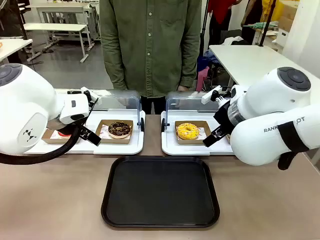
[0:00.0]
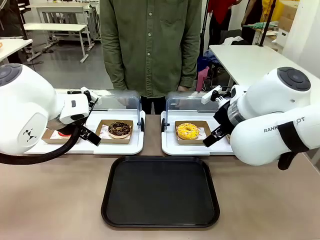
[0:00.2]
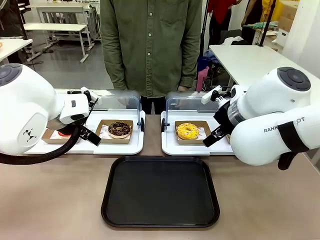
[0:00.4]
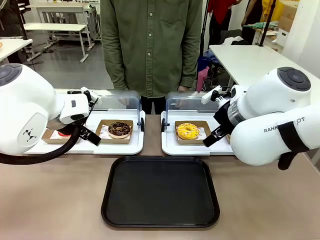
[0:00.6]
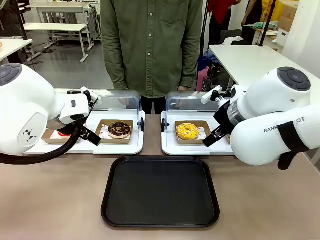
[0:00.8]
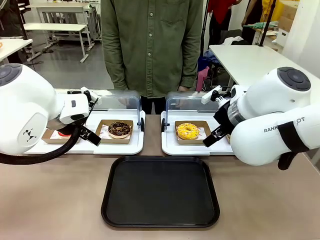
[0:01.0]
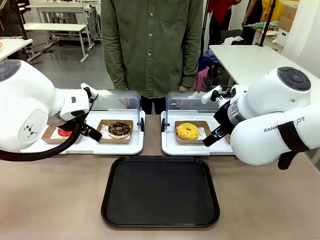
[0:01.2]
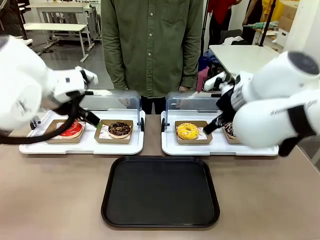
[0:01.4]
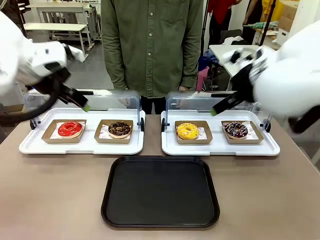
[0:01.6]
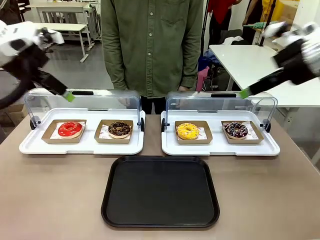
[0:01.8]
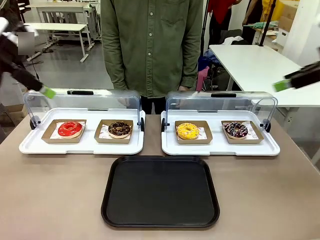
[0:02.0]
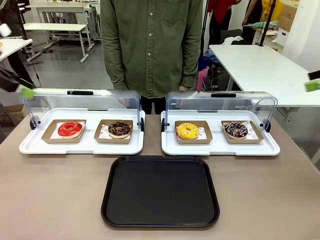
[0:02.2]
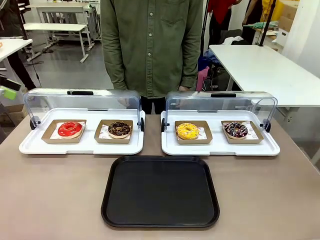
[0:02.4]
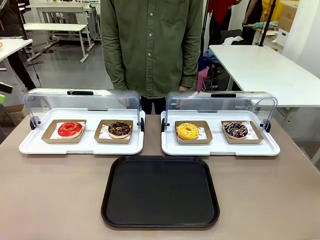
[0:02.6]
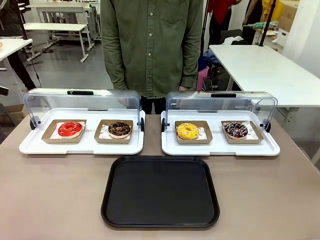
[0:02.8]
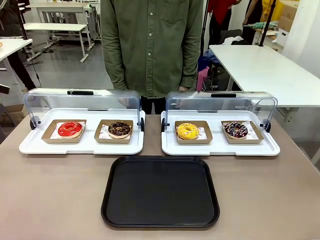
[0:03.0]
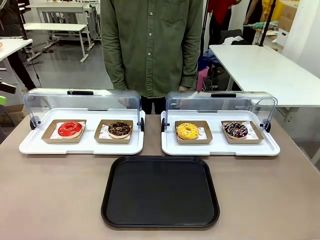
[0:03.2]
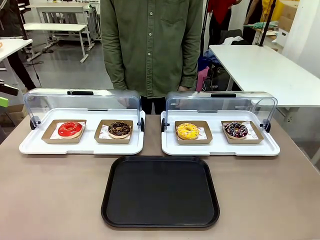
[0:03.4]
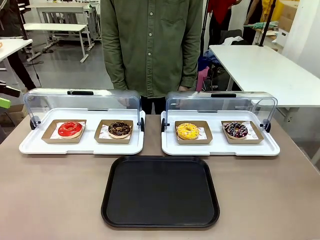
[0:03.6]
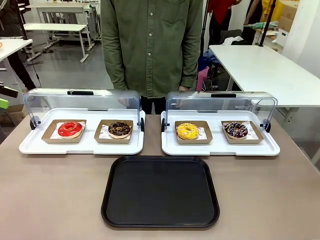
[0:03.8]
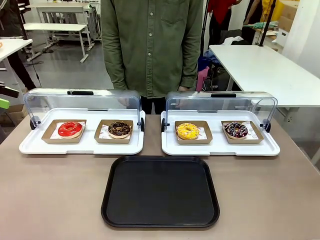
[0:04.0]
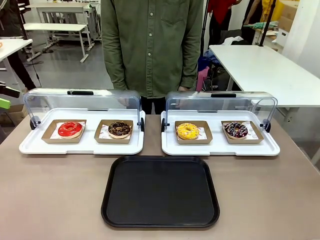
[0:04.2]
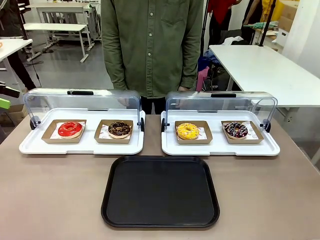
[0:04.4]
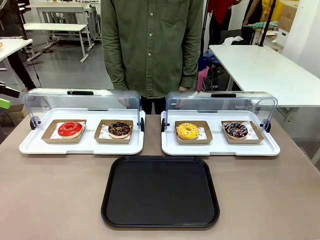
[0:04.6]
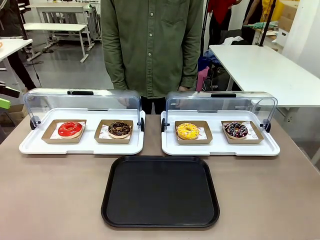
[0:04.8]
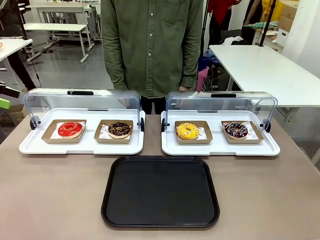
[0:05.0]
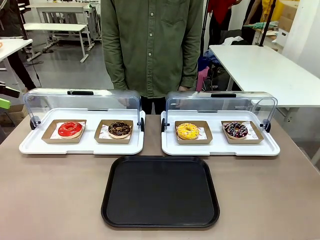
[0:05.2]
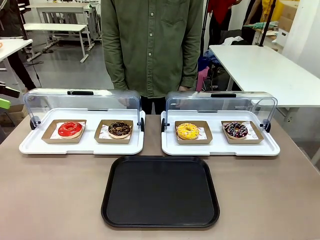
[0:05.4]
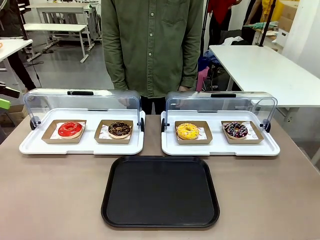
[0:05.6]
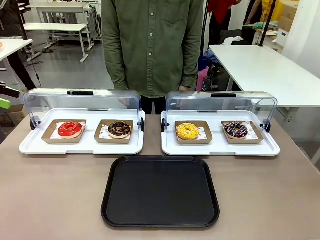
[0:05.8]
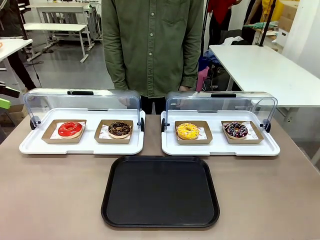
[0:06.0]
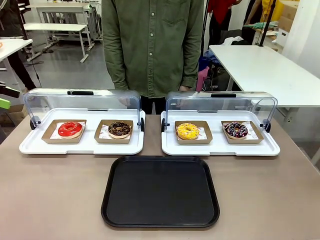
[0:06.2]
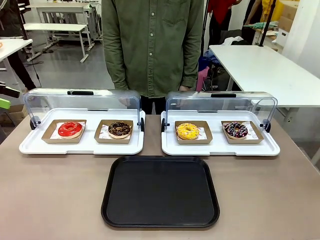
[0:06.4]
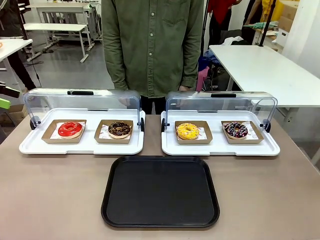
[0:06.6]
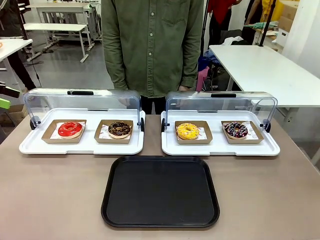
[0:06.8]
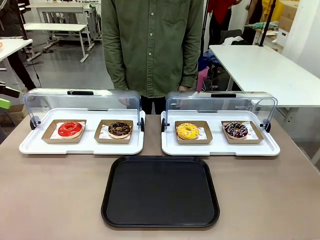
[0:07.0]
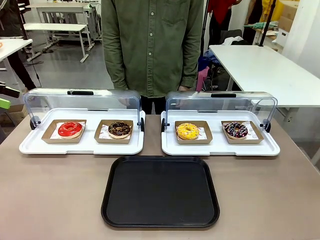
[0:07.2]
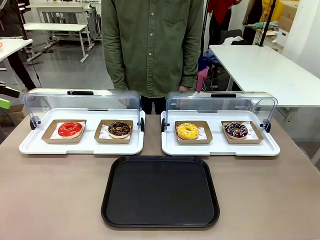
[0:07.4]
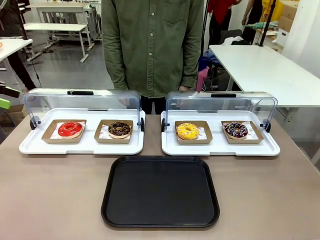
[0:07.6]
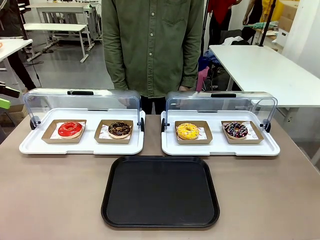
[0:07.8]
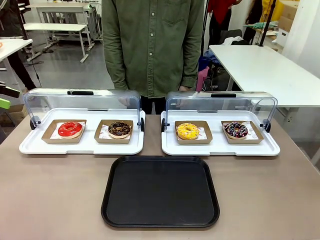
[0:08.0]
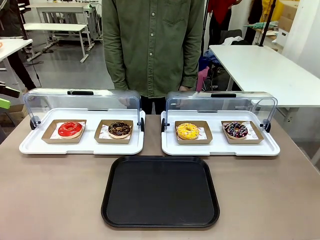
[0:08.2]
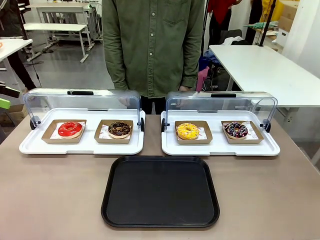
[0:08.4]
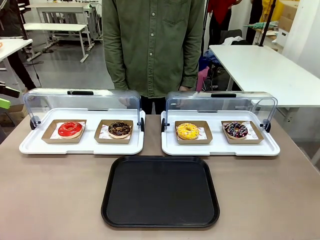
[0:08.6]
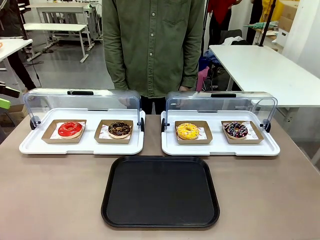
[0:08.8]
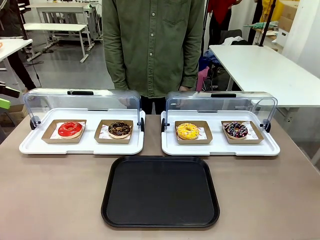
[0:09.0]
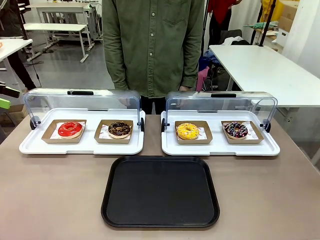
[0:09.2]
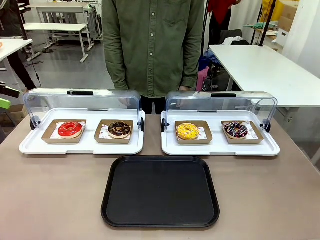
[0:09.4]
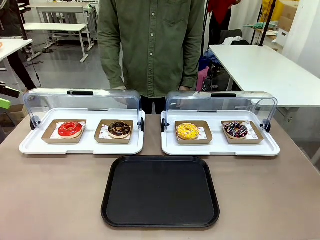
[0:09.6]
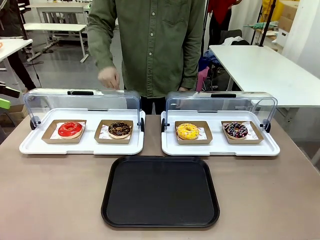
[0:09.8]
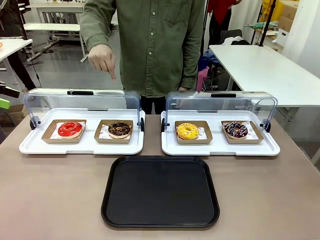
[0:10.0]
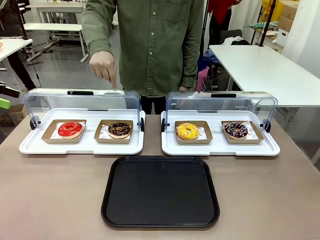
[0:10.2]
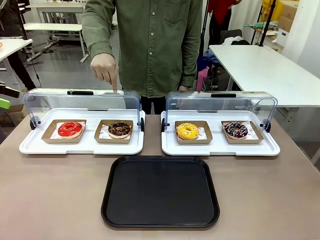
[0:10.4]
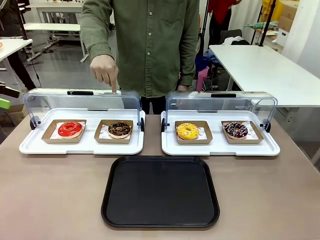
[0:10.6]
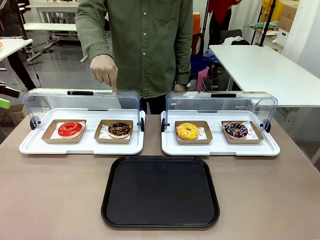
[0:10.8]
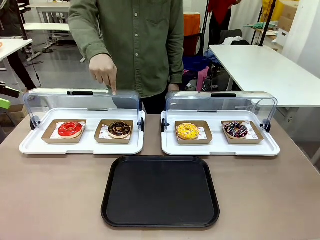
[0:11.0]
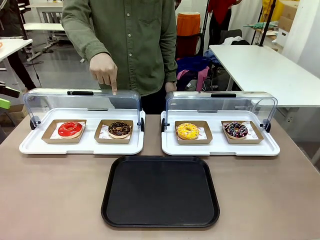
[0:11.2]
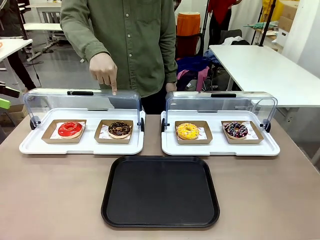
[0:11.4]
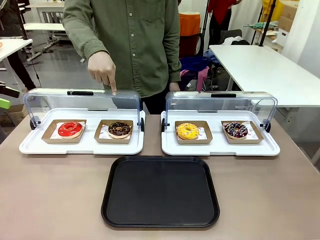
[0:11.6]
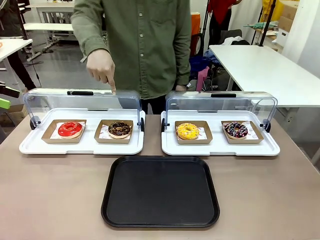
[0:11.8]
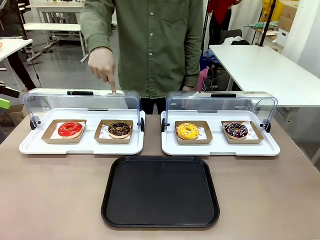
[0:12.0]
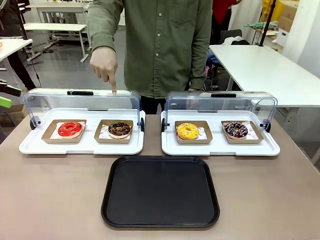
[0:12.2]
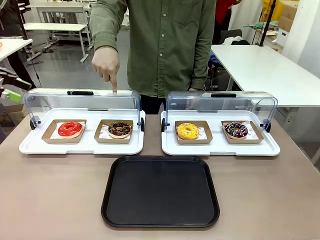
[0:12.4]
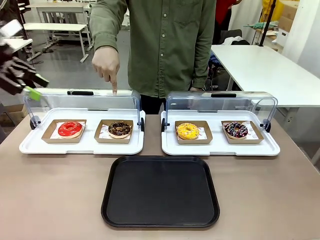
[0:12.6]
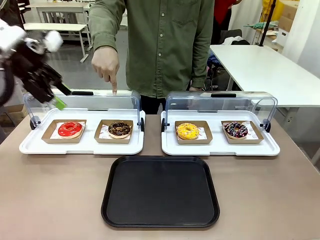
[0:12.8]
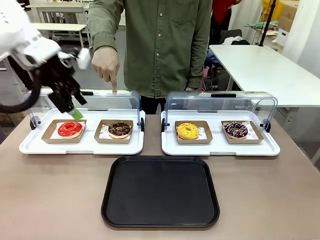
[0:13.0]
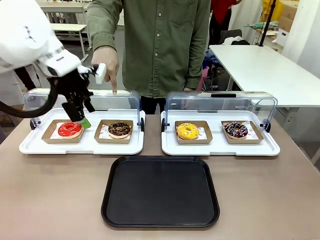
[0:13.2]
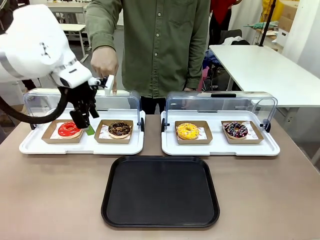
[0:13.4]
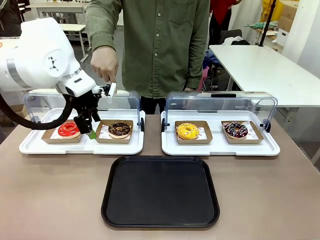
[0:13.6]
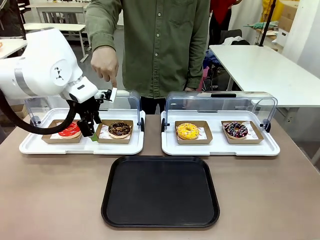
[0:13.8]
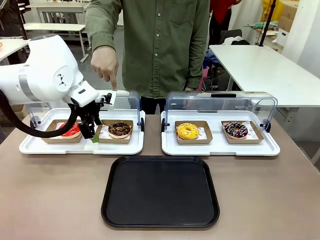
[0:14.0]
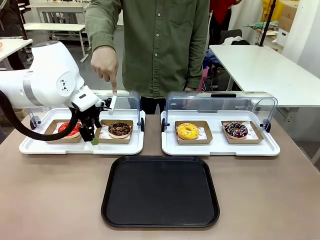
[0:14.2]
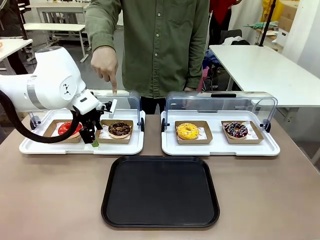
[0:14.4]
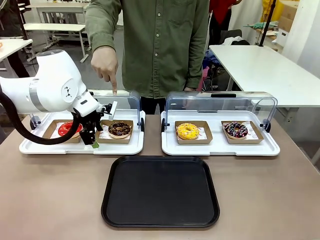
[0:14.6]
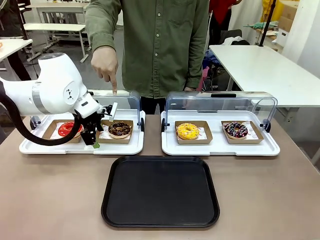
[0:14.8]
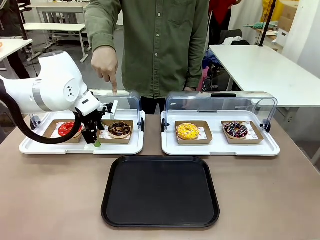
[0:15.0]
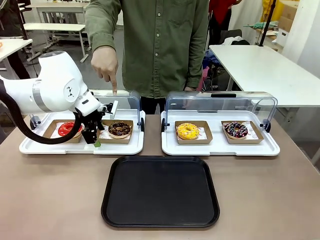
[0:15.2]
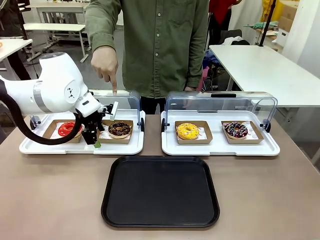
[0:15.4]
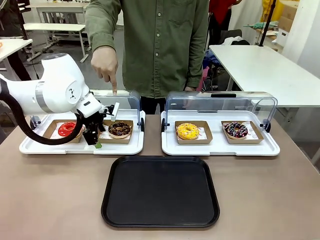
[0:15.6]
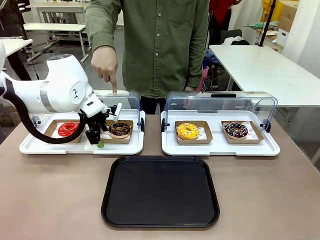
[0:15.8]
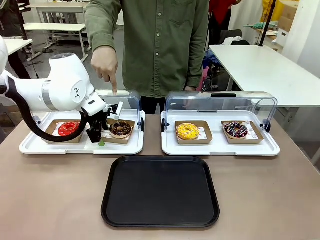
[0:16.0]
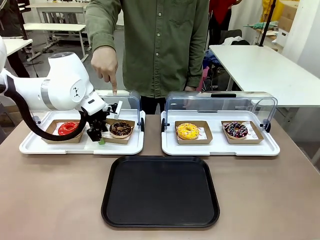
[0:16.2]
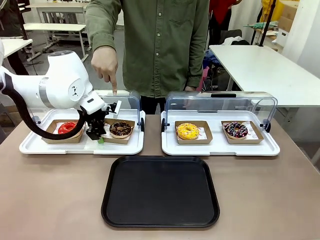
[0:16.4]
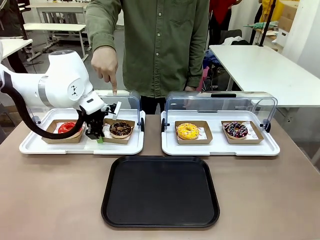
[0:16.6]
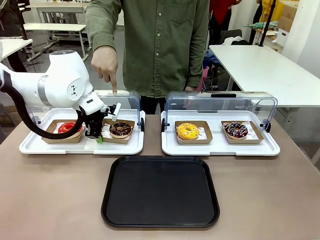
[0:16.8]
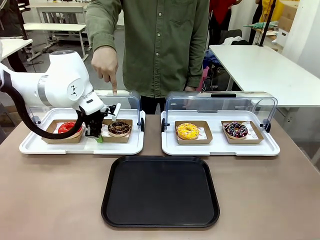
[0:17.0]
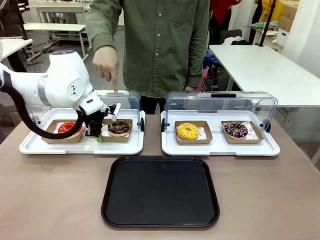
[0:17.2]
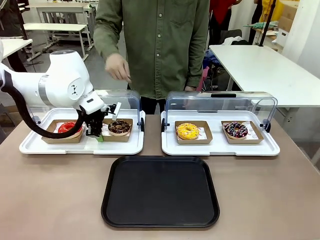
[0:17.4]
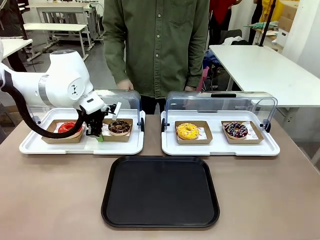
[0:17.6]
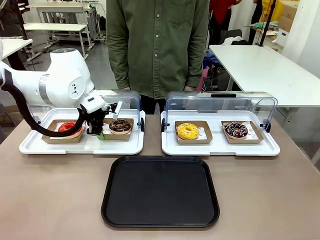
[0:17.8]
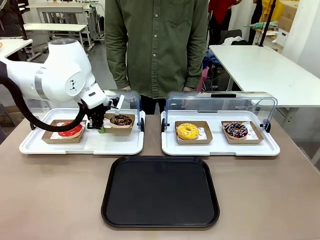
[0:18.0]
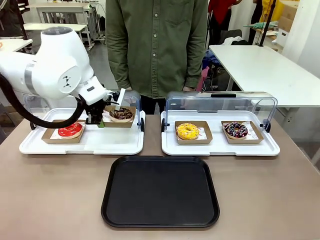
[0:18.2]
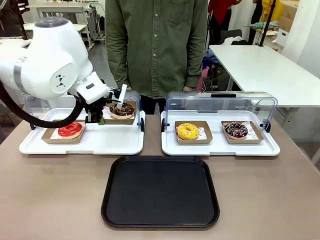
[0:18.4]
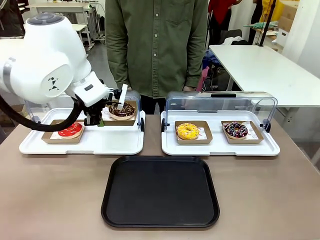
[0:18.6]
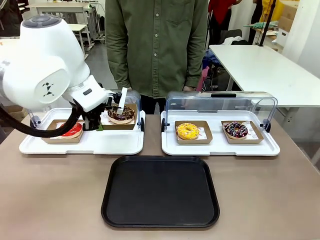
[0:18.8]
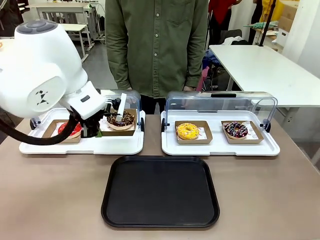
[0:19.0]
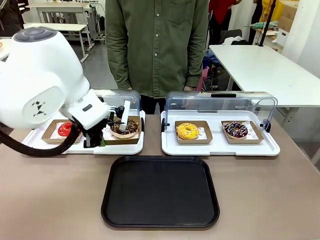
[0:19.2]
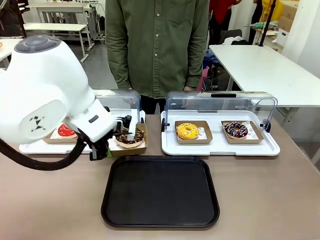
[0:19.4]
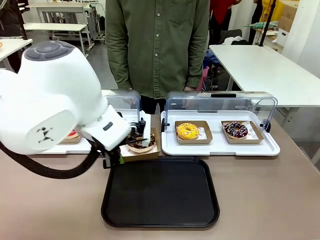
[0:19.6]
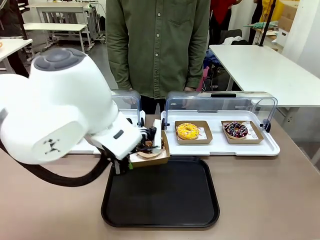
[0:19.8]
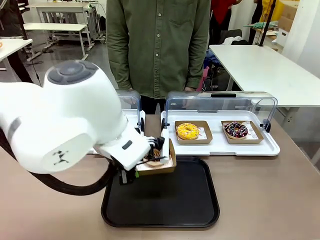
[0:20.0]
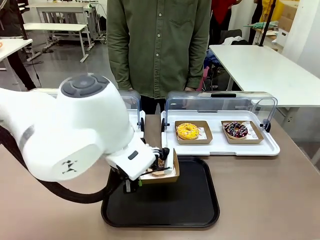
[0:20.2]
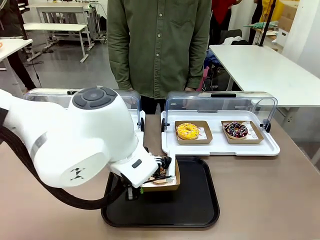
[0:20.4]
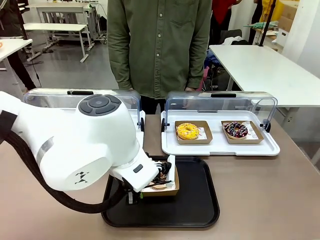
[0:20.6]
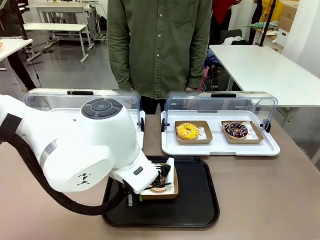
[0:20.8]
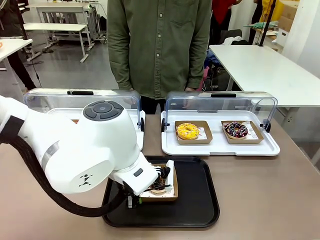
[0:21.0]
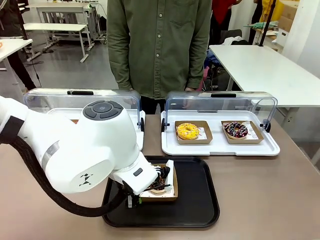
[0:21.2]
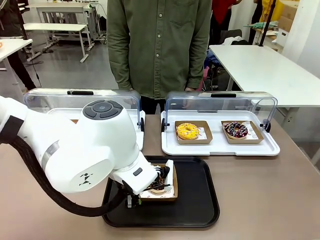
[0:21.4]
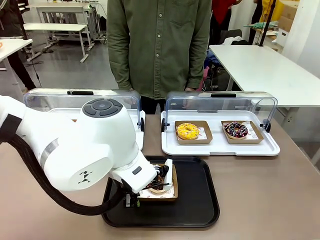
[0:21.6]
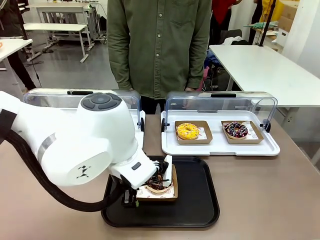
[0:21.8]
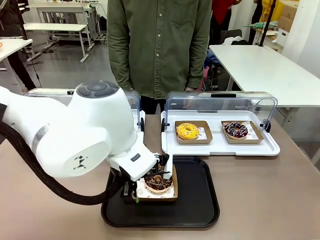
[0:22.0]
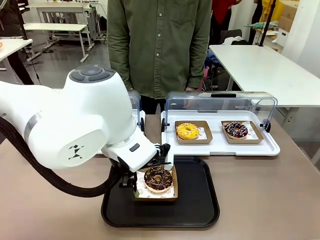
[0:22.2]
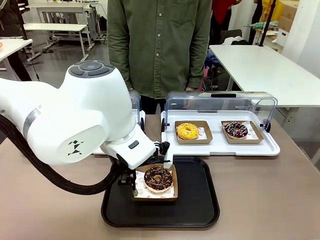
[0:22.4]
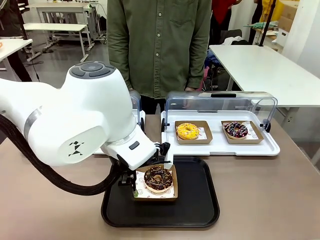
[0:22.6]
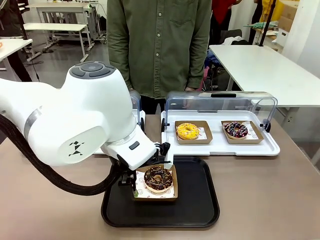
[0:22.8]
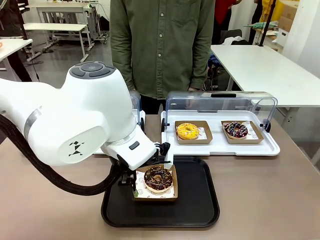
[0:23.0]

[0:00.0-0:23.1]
Task: Move the second donut from the left to the tray.
Robot: Pick up the Paper togo box containing the Donut indicated by the person and place it on the Handle tray.
Person: Points to the second donut from the left from the robot’s perspective.
